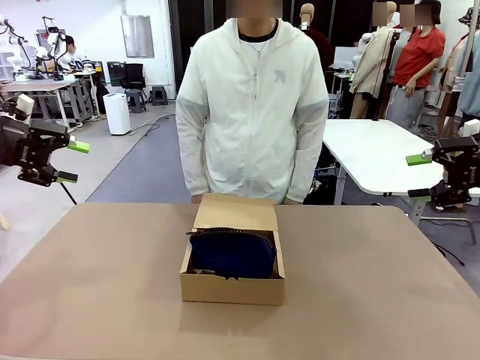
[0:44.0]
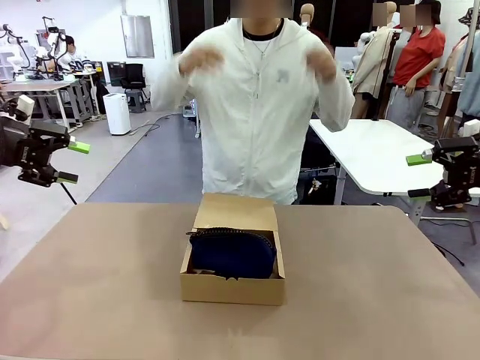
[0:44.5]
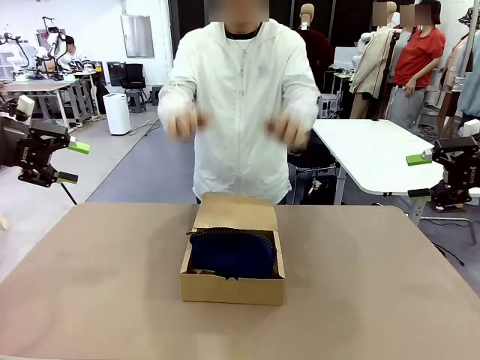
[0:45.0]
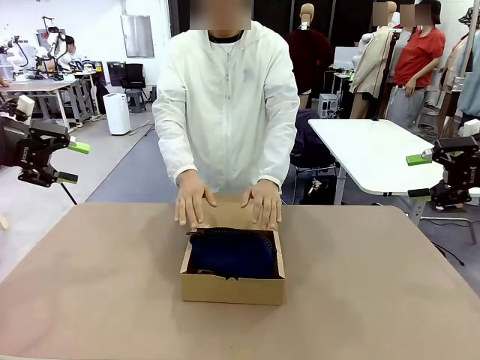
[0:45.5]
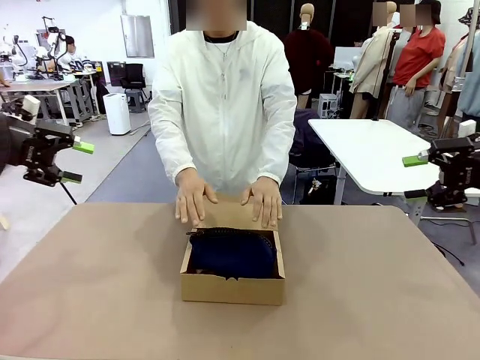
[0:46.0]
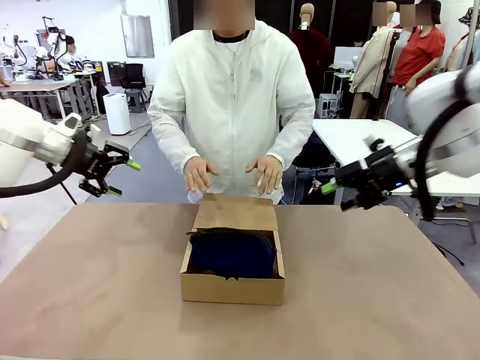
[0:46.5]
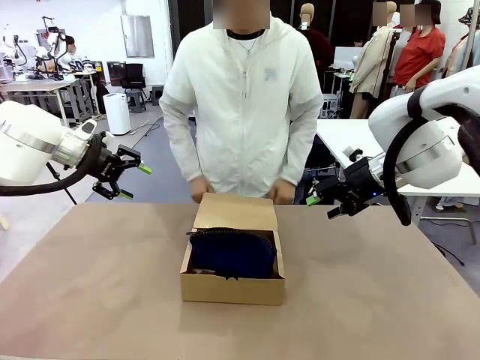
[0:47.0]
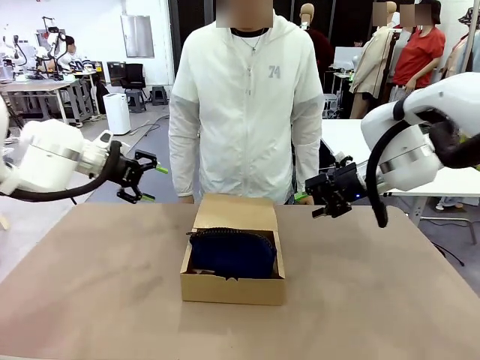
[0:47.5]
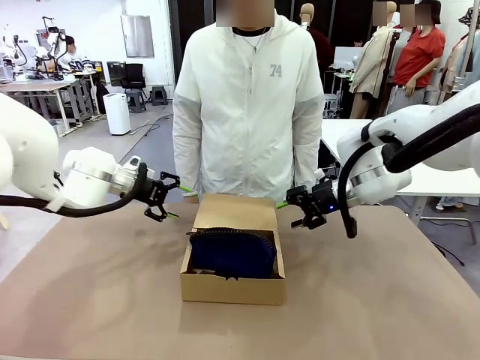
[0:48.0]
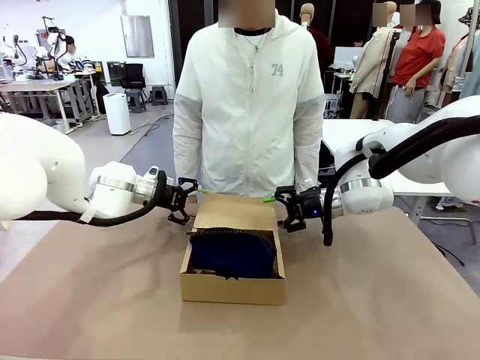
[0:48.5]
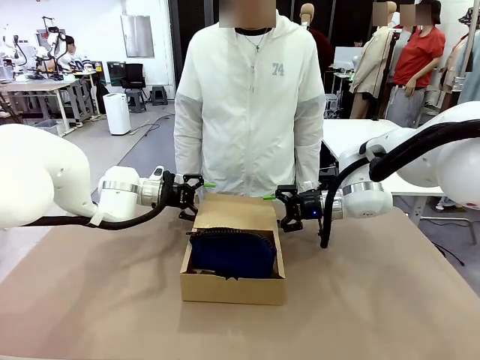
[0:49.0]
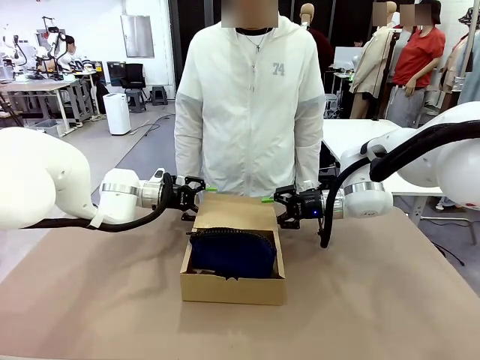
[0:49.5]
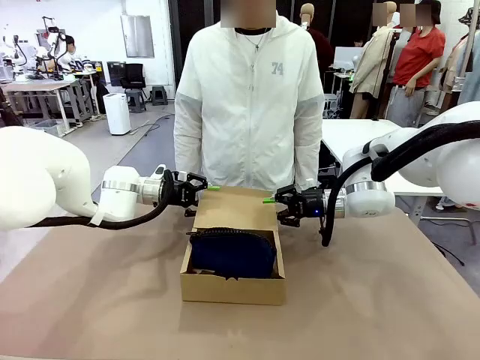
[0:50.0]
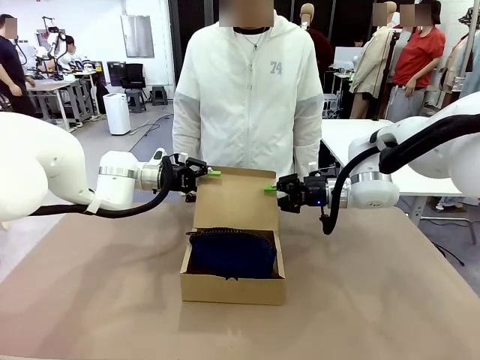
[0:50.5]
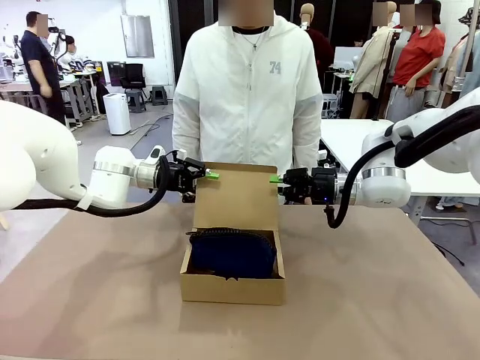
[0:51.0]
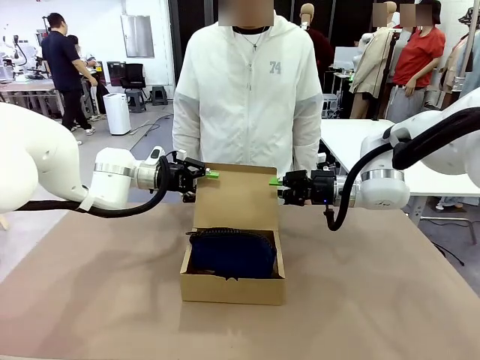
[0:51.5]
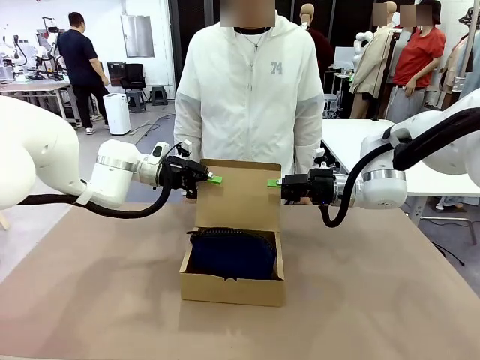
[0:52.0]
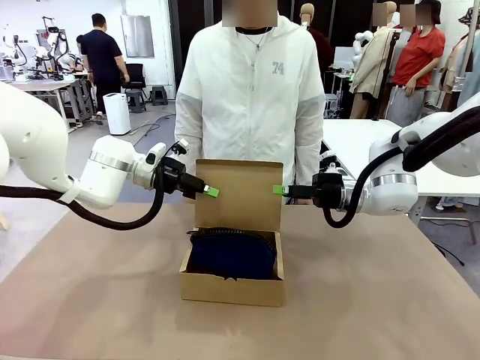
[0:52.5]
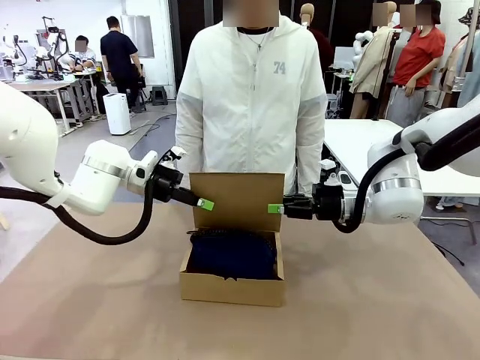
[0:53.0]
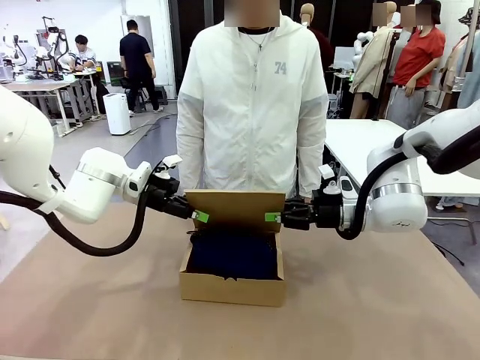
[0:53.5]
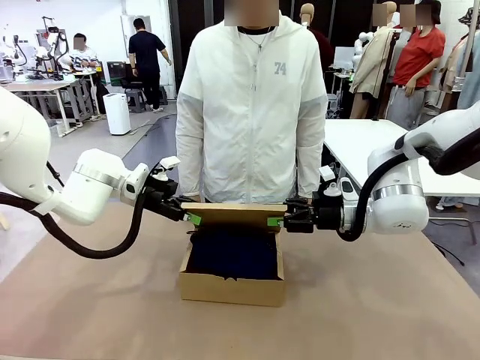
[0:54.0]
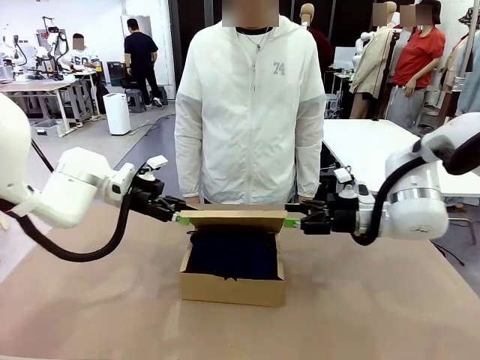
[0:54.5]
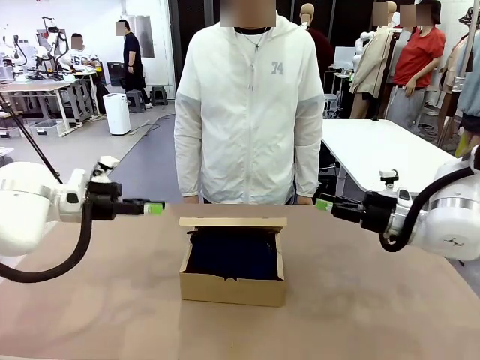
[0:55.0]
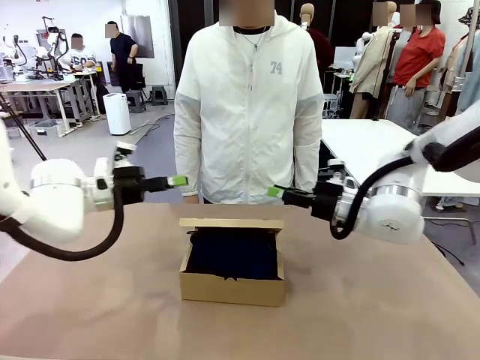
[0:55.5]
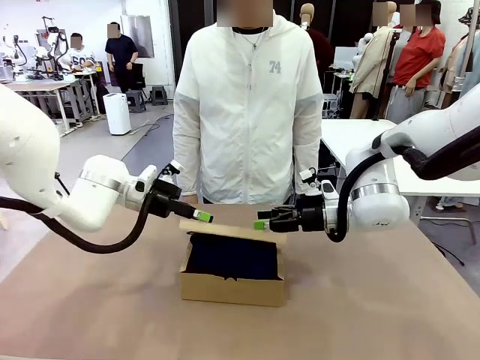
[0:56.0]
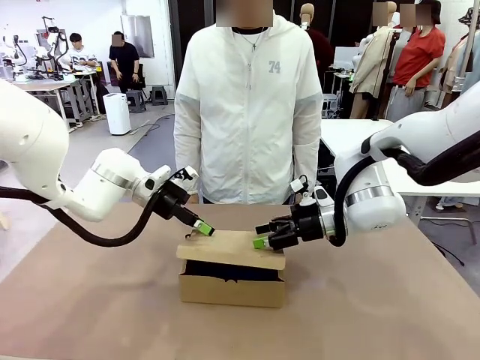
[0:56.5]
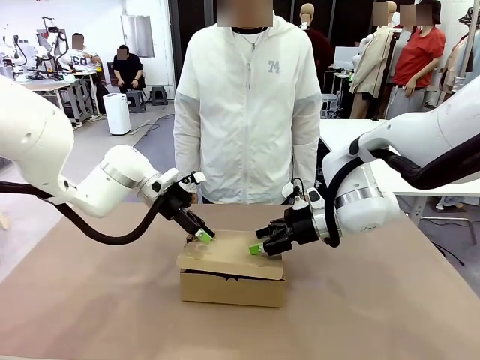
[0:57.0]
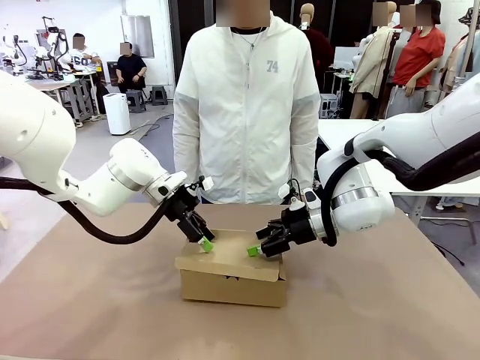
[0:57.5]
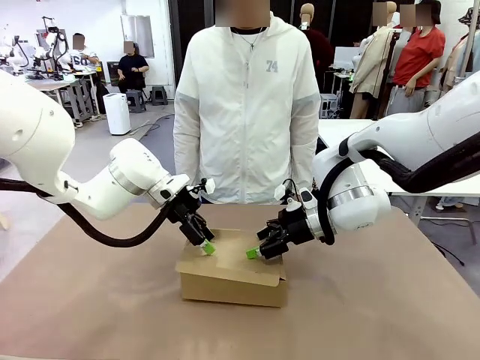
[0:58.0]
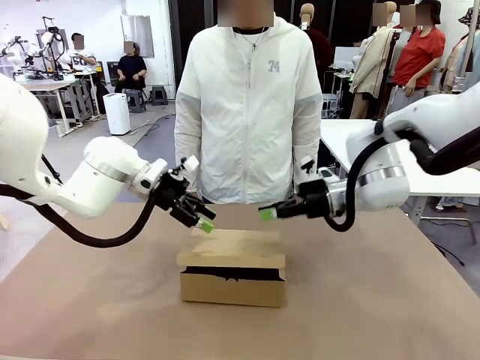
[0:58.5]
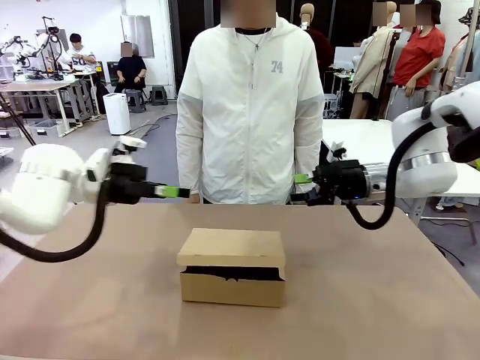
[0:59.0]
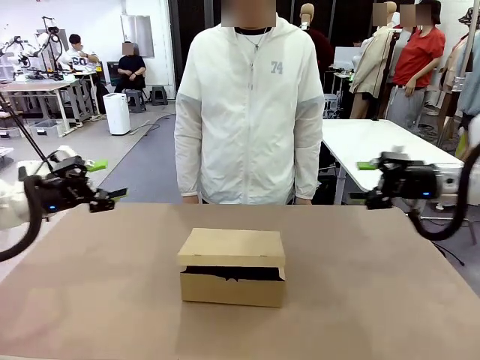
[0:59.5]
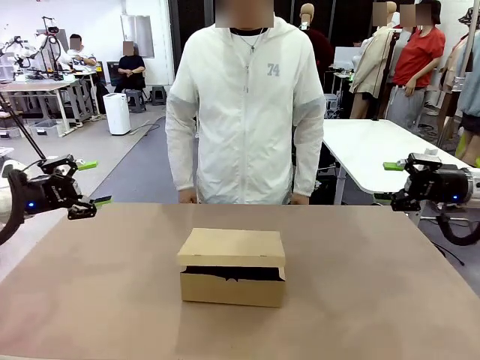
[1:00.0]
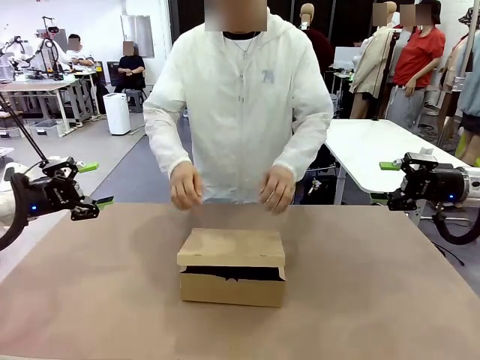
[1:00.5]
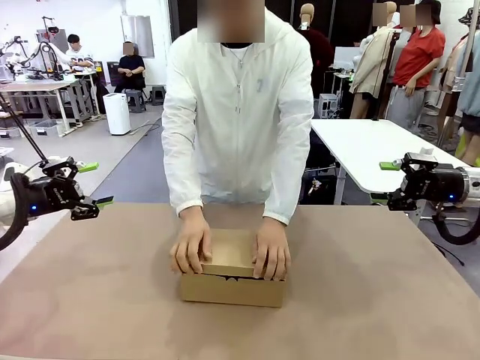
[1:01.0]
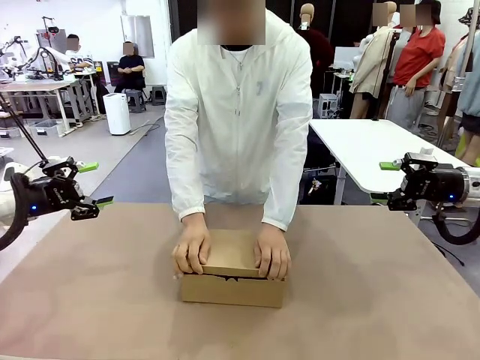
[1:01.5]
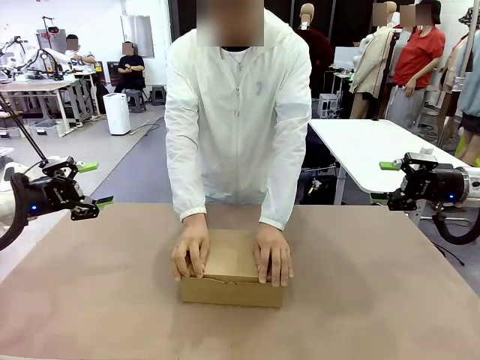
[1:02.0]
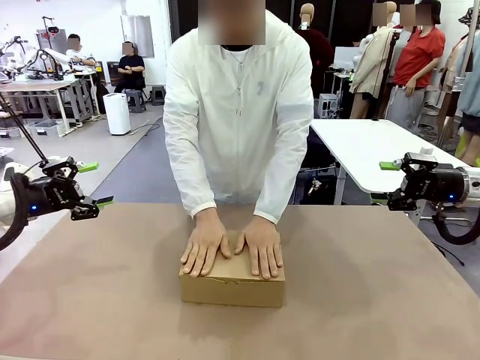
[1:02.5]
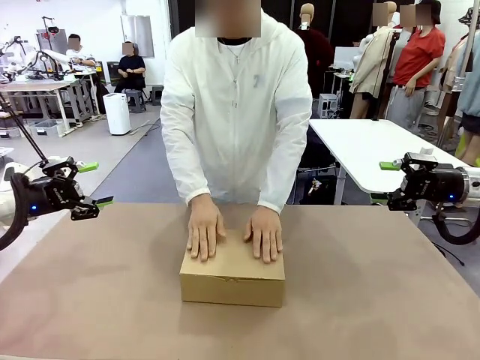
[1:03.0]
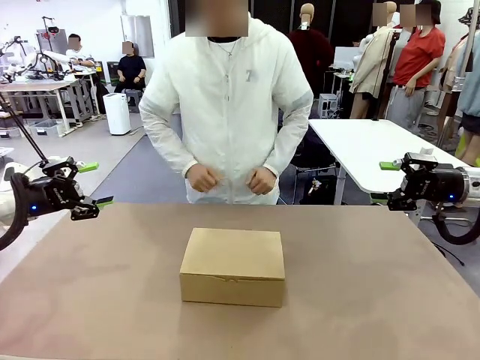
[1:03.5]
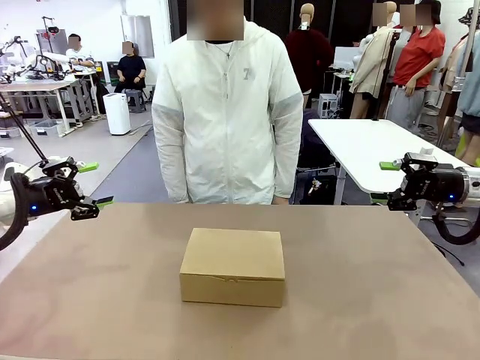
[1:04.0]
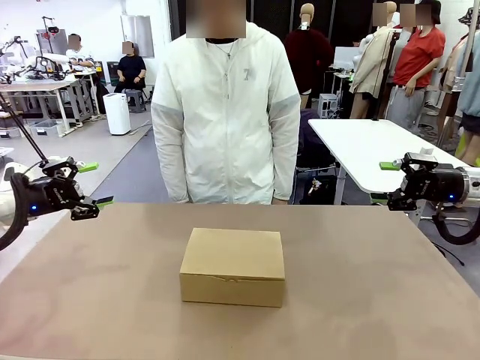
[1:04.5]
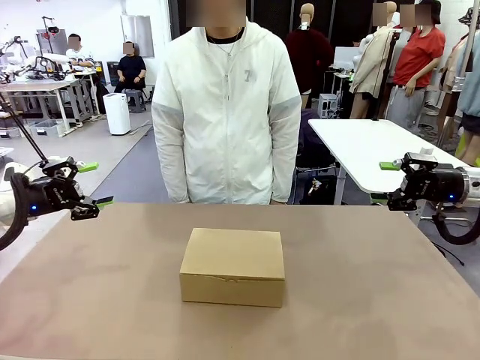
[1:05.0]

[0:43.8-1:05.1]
Task: Pack the items into the box.
Robot: Close the Mailer Box.
Person: Turn the box and lock it.
